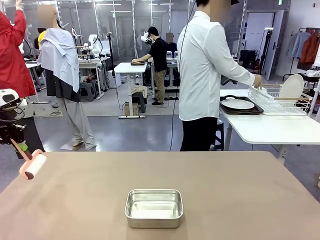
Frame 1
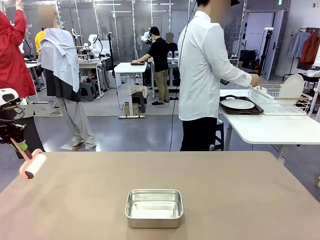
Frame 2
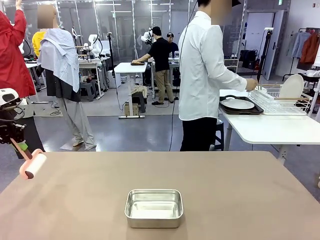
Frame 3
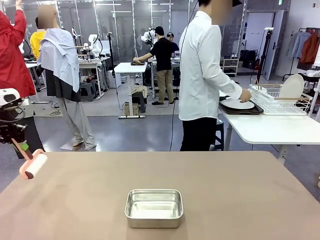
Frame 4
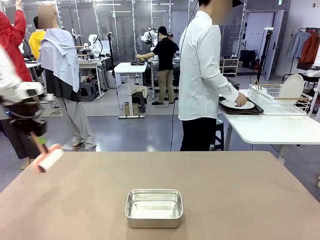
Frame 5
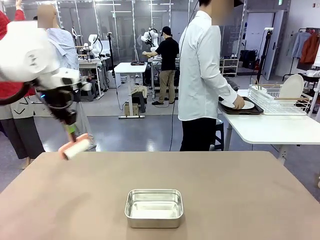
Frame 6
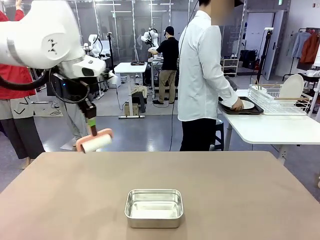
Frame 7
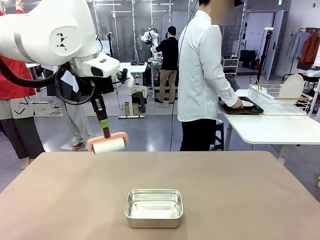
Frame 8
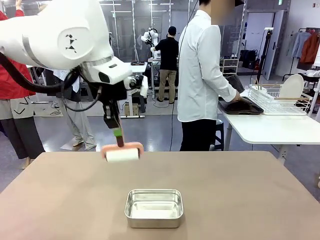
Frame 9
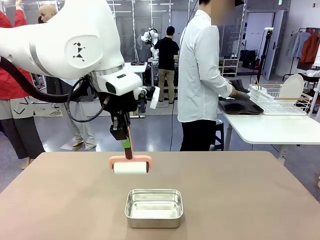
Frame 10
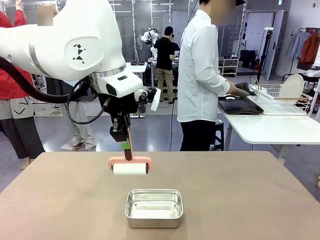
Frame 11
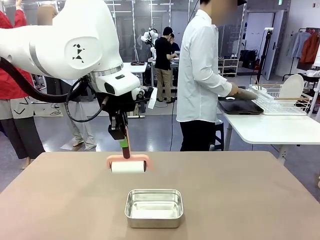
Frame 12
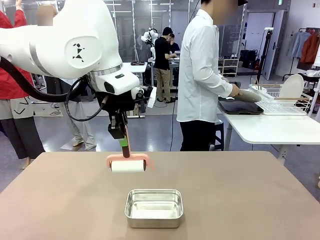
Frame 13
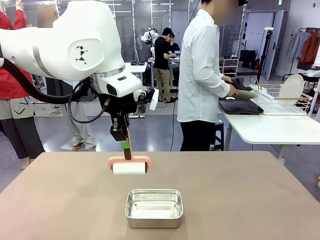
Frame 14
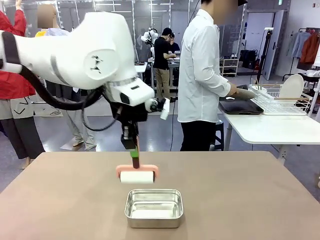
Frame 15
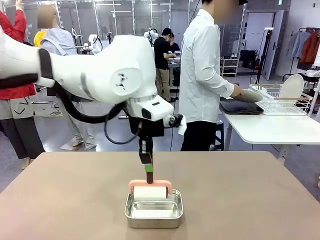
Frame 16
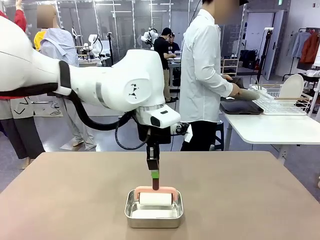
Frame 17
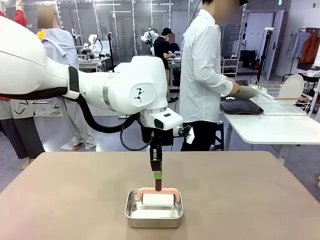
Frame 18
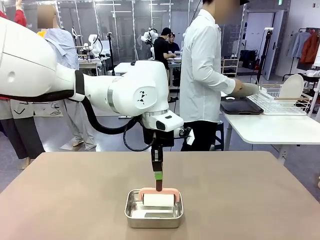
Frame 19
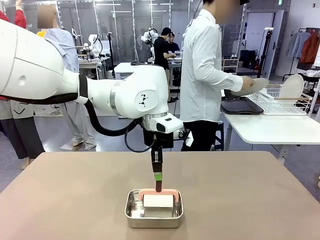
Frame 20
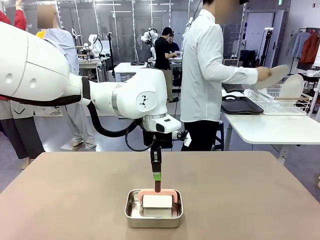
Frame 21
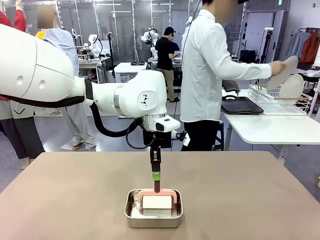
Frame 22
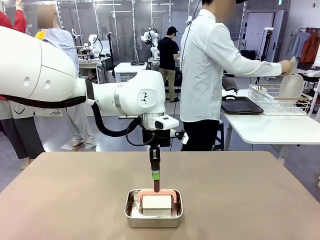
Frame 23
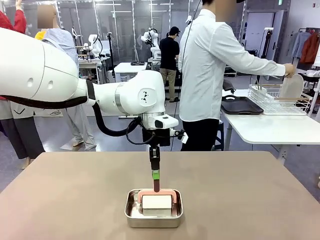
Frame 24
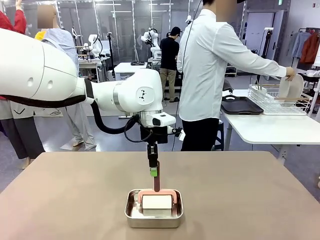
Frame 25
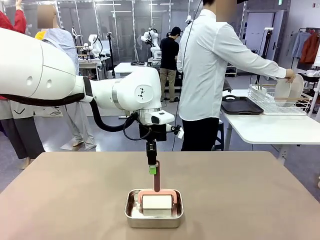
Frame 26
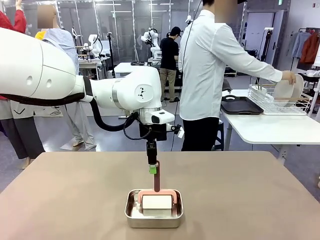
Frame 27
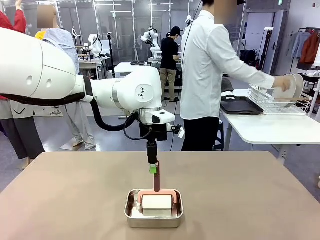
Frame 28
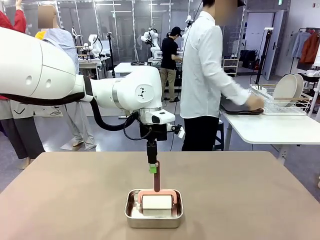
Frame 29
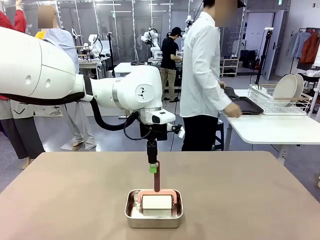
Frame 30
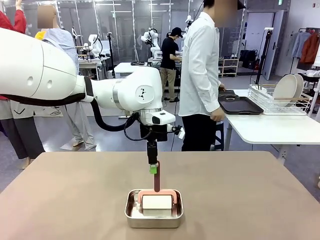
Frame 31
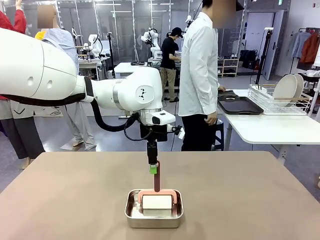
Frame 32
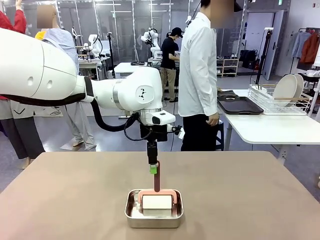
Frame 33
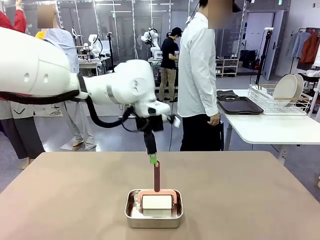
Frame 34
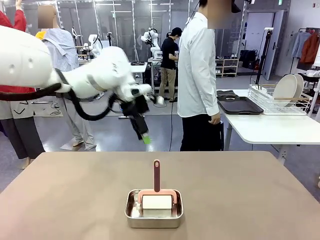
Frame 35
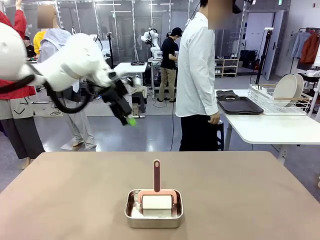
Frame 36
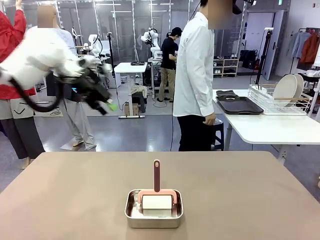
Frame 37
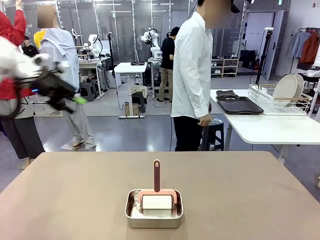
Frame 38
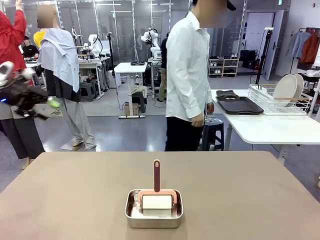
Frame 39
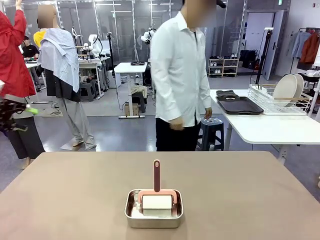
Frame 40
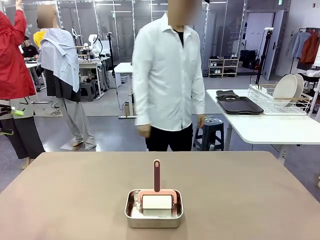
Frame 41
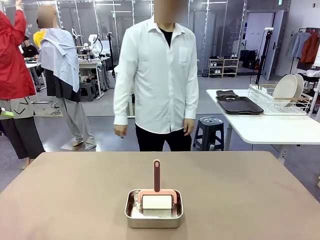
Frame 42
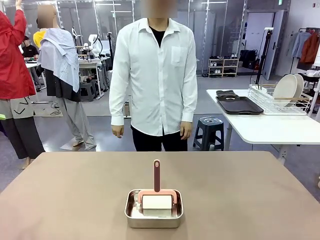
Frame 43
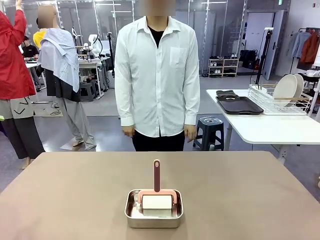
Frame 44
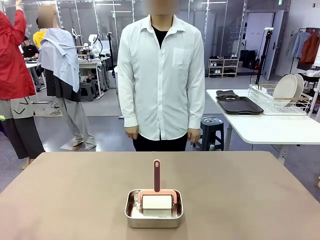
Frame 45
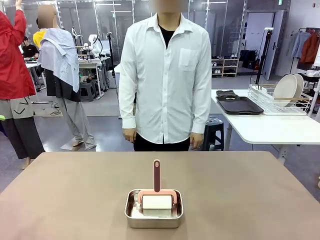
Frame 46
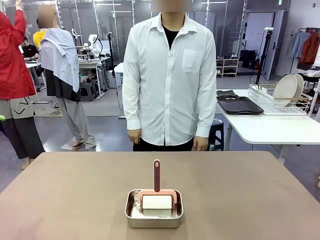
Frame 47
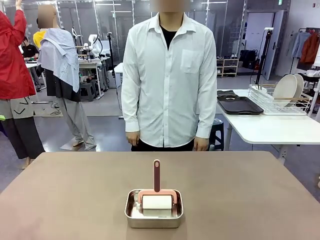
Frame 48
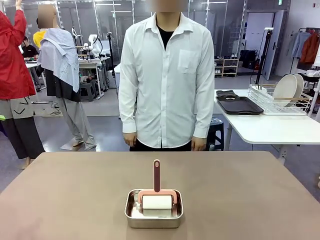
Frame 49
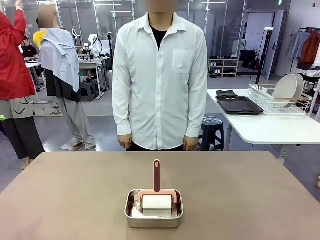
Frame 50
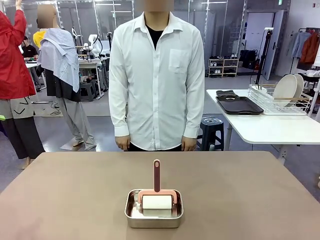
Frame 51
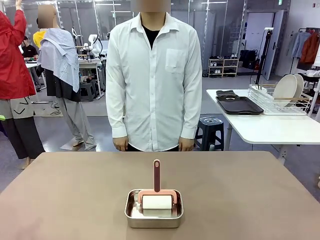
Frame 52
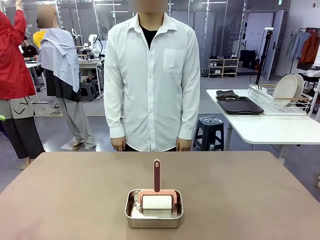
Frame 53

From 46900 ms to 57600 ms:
Robot: Place the Lint Roller back on top of the Airtight Container.

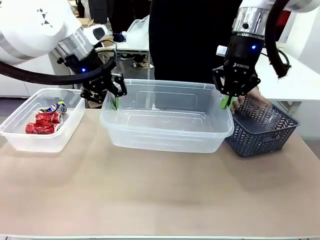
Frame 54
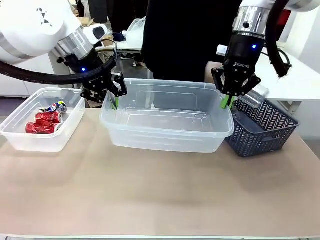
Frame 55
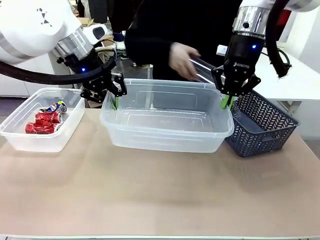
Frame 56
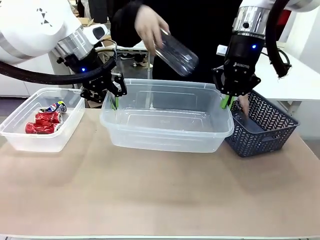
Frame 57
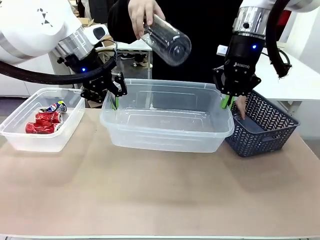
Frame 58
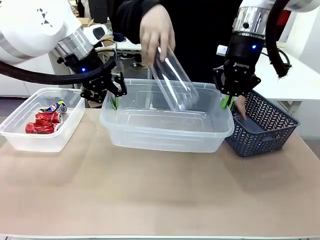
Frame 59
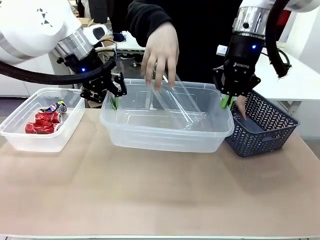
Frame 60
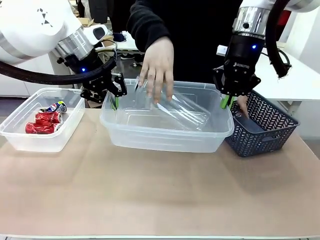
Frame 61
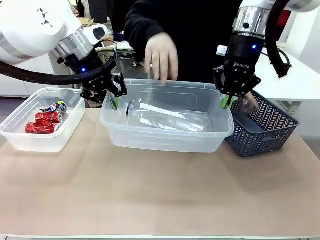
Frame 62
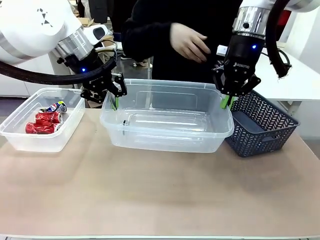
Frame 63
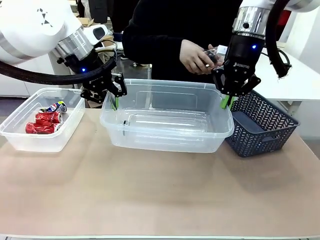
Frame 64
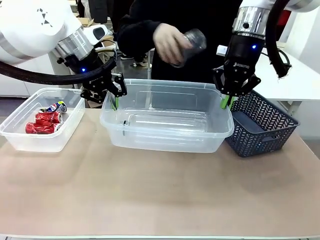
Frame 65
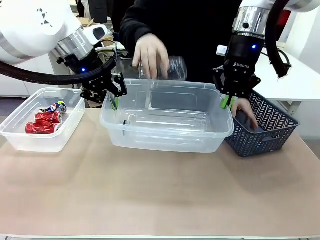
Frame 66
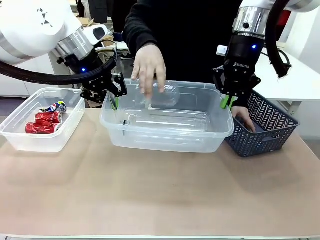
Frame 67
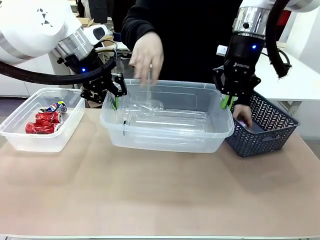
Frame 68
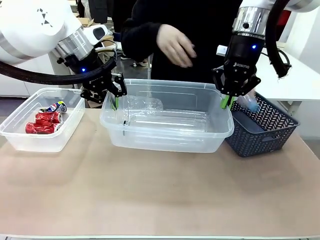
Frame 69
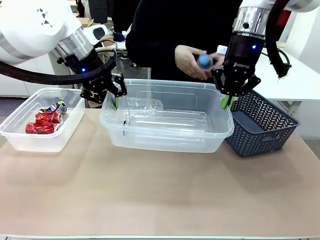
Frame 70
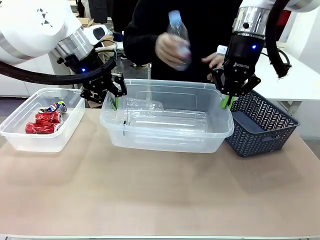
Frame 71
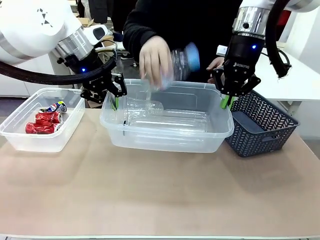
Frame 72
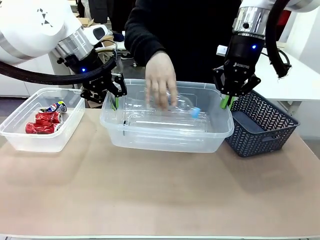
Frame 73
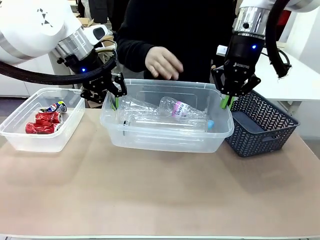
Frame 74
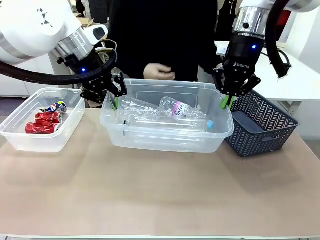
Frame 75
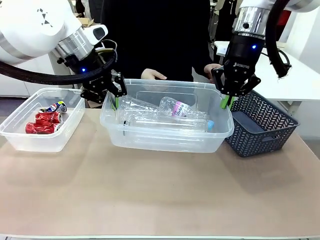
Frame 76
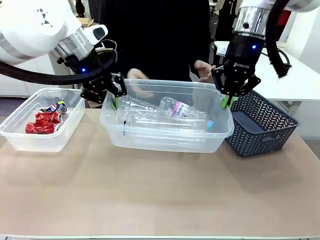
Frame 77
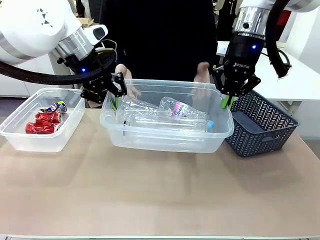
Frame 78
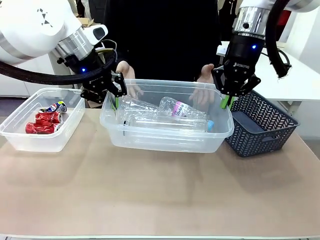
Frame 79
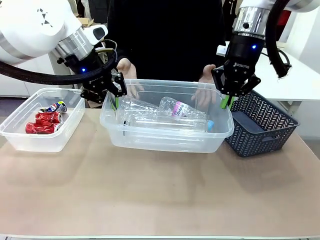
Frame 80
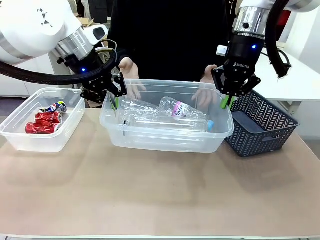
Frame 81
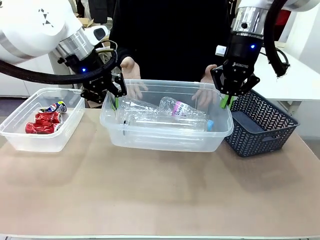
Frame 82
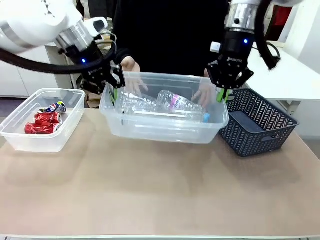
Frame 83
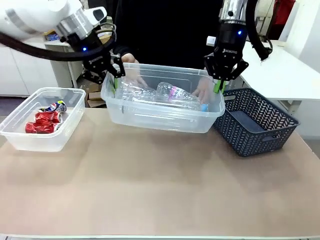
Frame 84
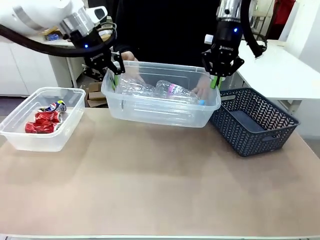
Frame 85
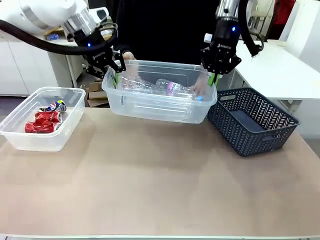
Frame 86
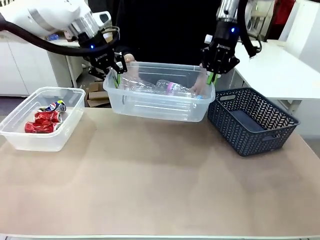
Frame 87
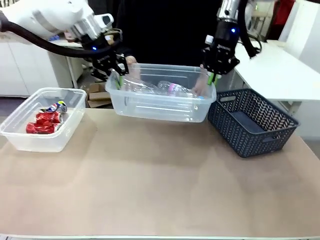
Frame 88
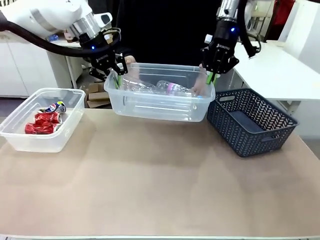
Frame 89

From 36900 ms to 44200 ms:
Robot: Offer the picked Organizing box to the human.

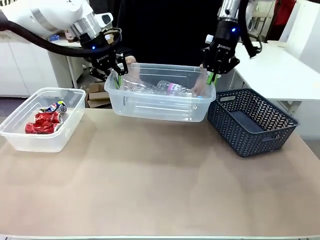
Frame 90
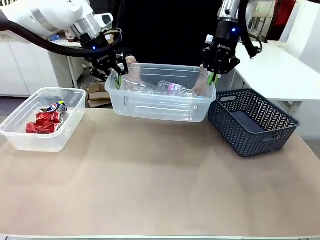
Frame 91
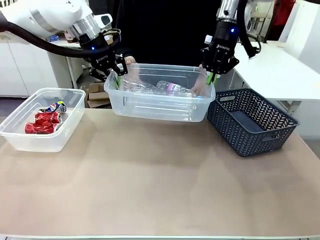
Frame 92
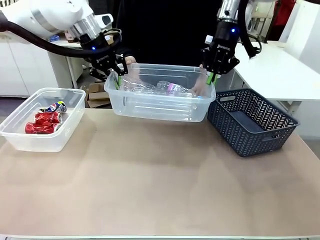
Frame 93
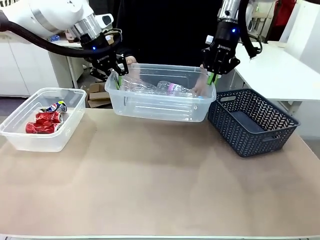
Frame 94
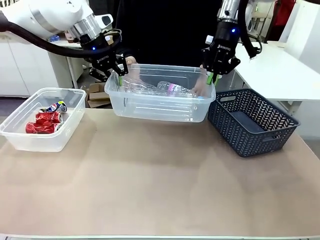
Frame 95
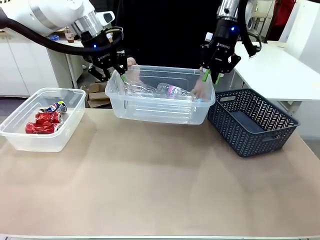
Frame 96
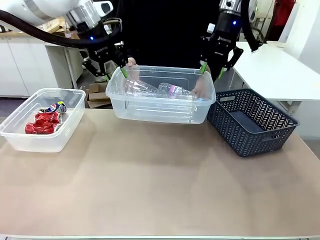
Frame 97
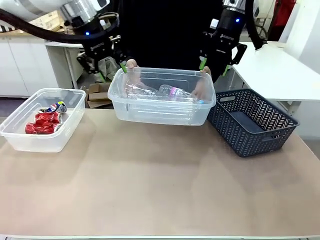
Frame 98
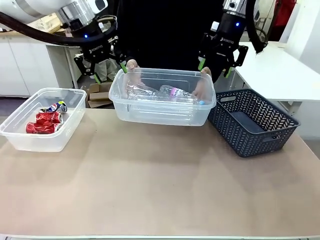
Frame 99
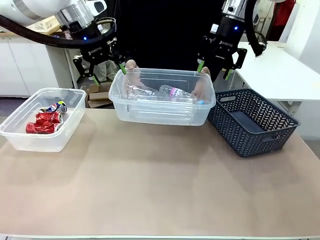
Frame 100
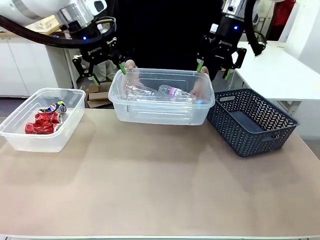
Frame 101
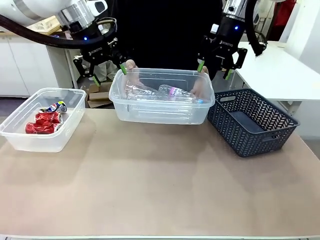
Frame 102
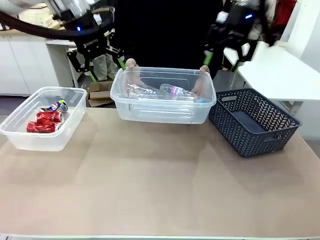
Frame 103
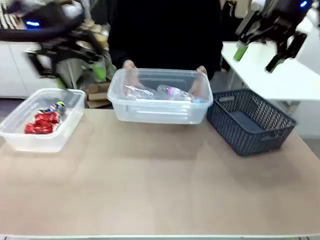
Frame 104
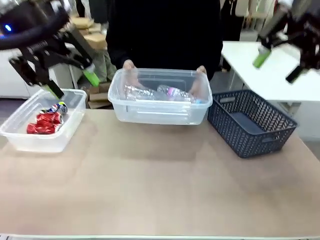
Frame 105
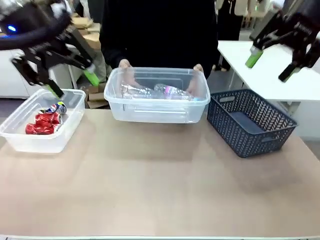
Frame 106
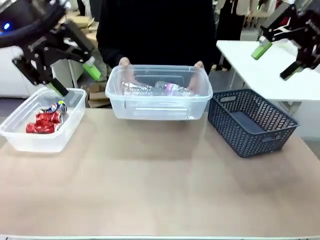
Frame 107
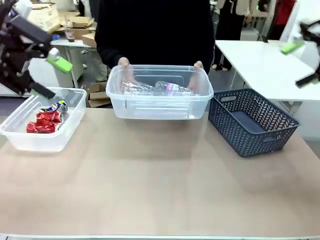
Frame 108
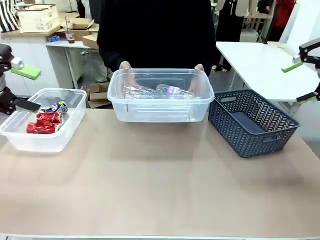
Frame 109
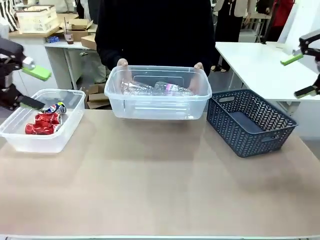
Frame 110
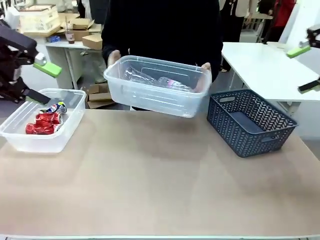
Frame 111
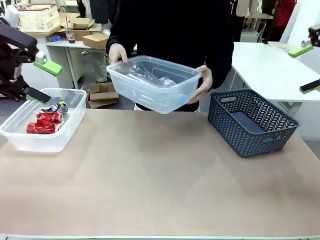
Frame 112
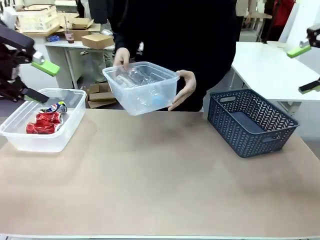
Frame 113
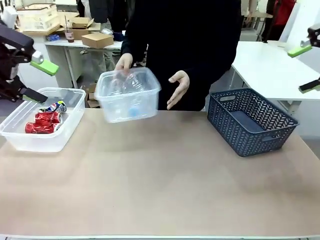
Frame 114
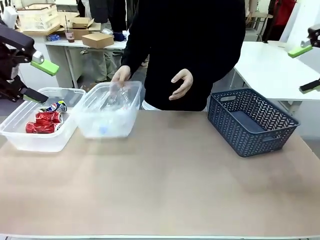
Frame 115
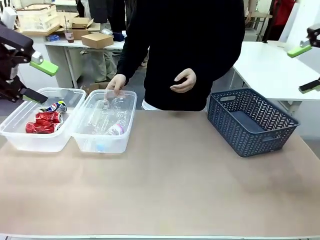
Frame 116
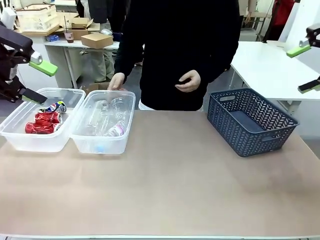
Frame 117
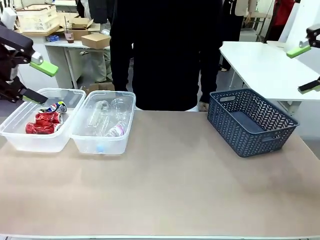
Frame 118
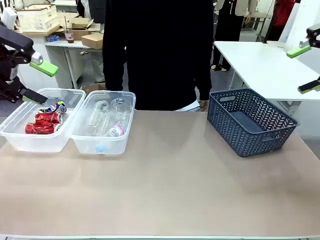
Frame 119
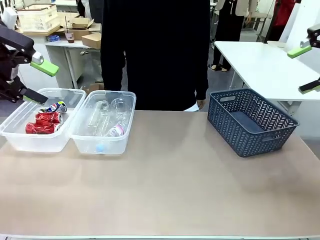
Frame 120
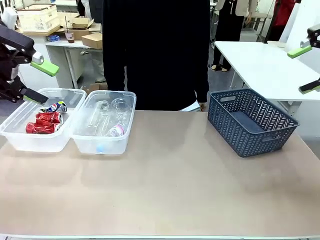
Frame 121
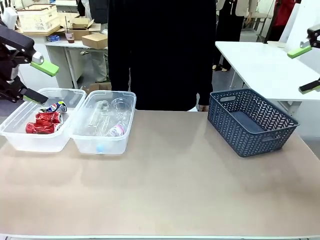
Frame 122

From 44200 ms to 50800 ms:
Robot: Release the Organizing box you were holding.
Person: Pick up the organizing box extended by the robot. Place the organizing box to the left of the sorting box containing the can waste.
